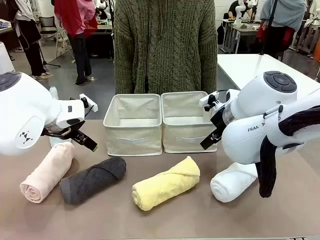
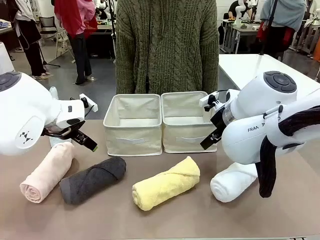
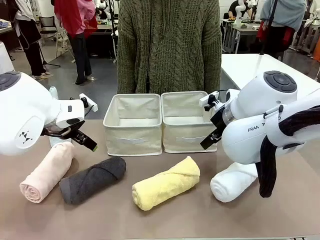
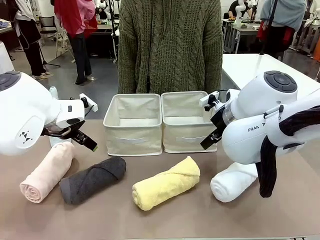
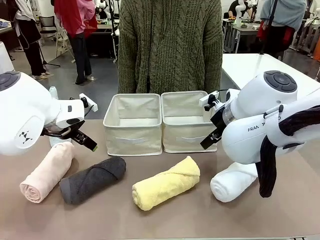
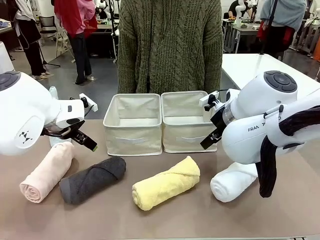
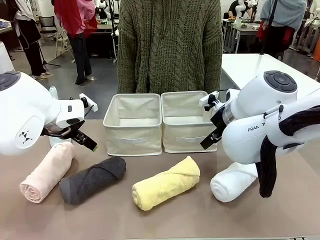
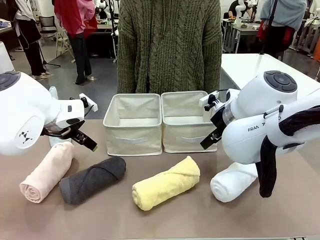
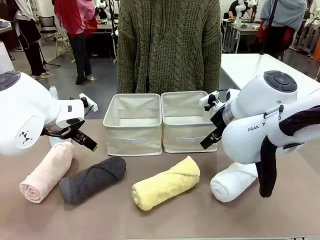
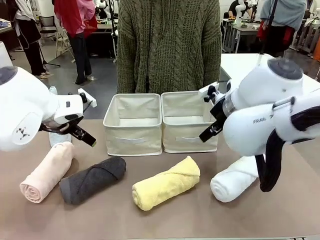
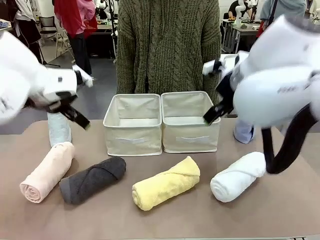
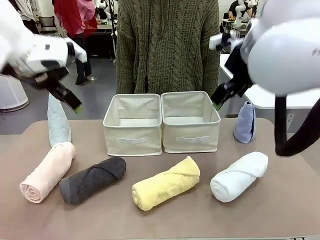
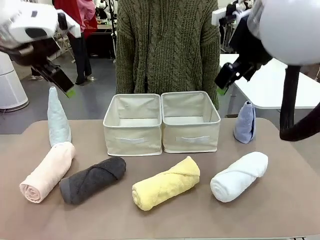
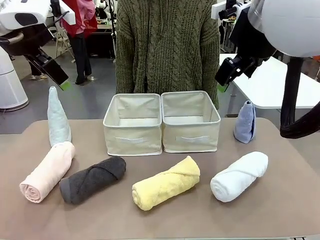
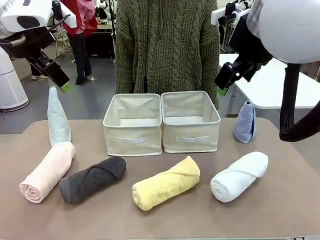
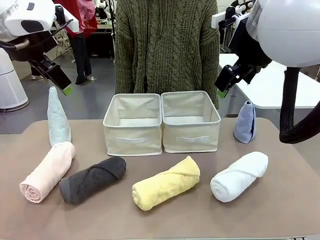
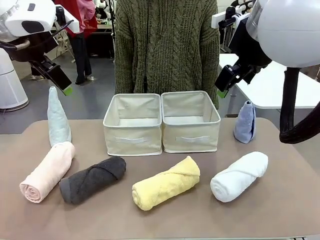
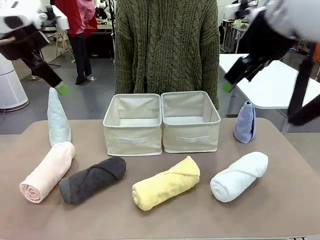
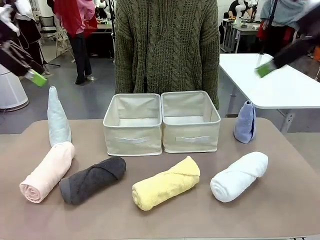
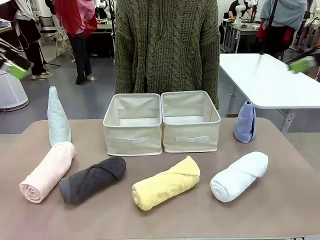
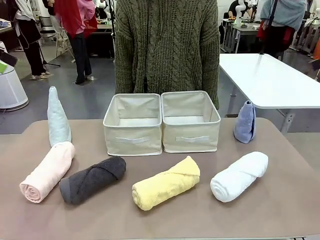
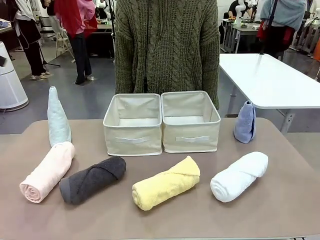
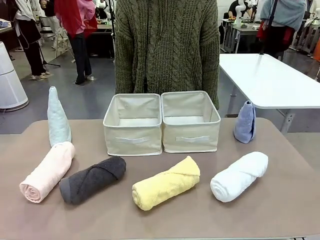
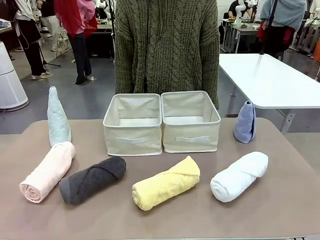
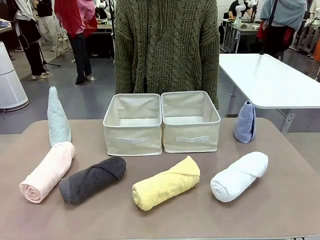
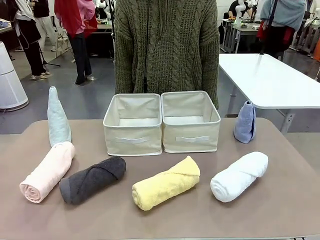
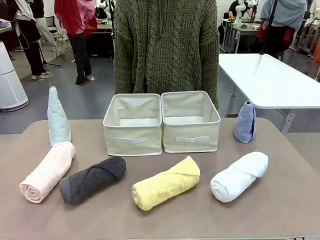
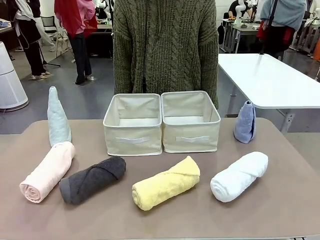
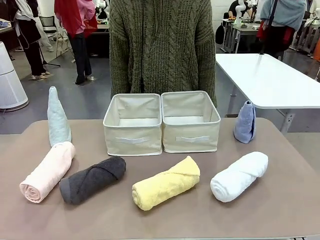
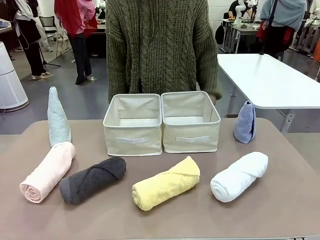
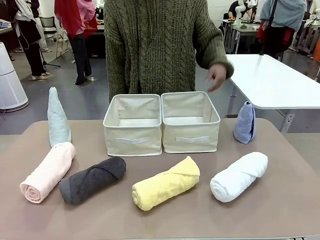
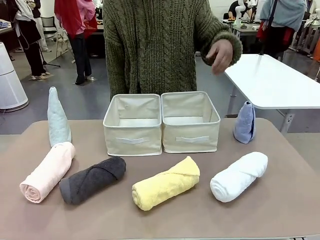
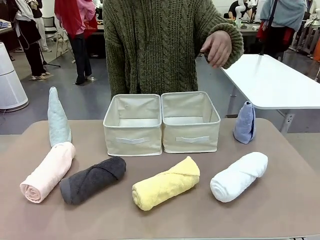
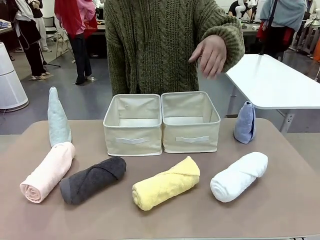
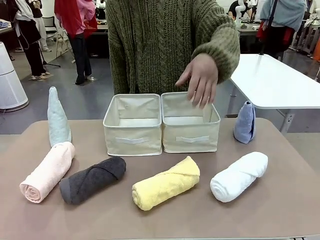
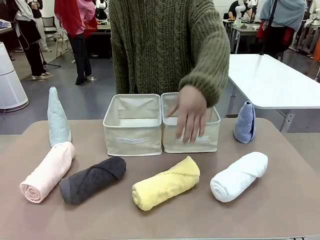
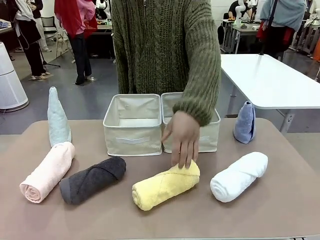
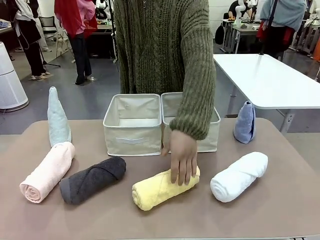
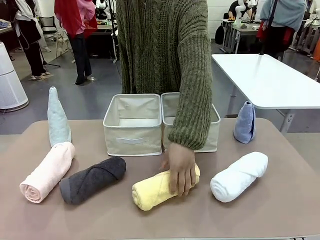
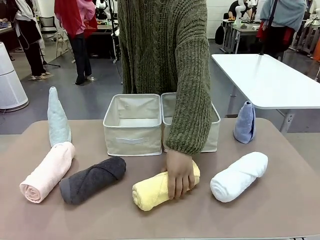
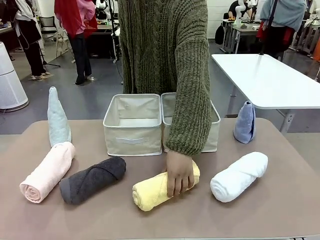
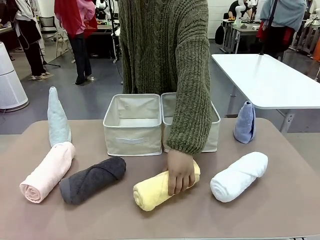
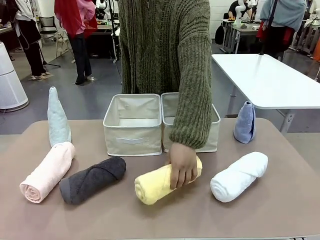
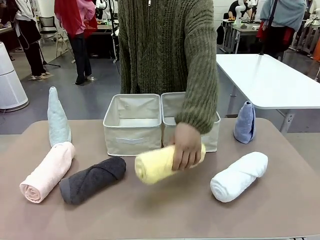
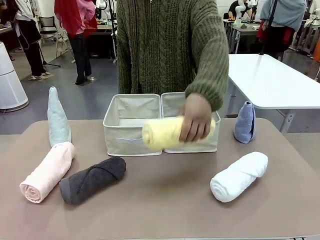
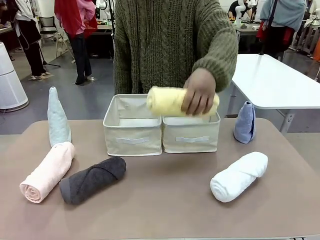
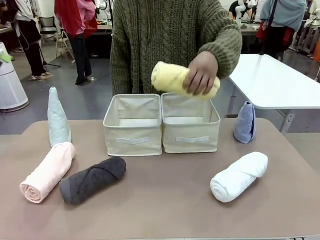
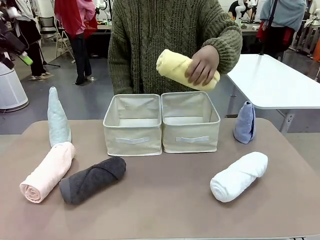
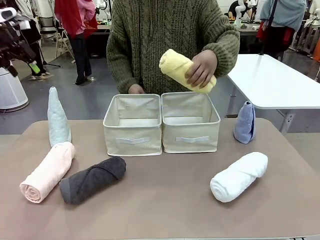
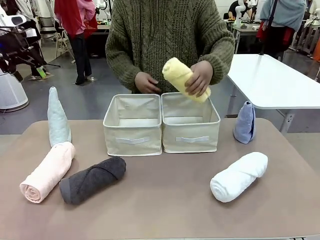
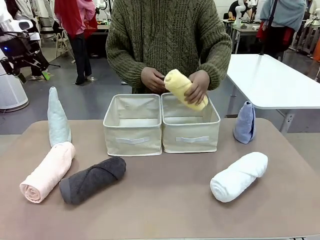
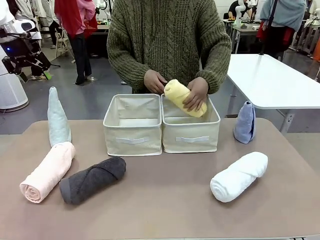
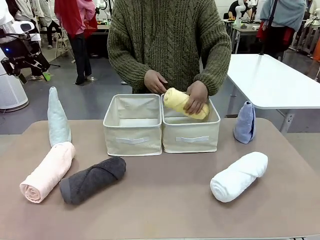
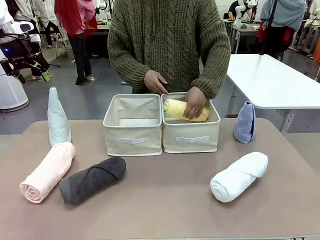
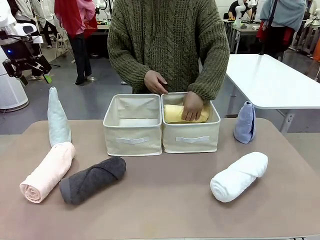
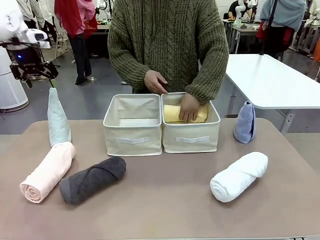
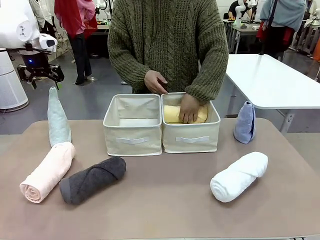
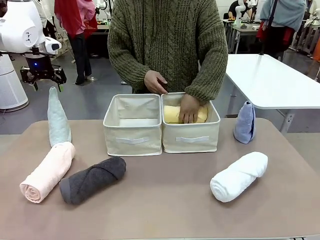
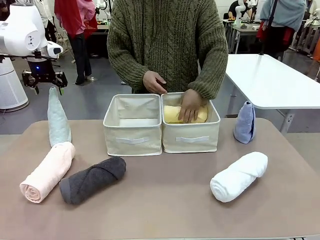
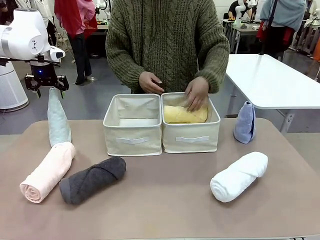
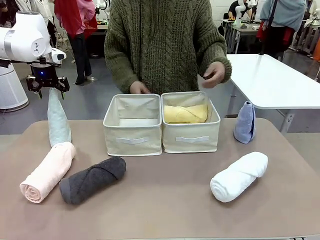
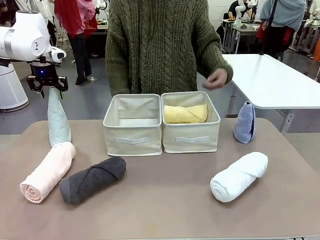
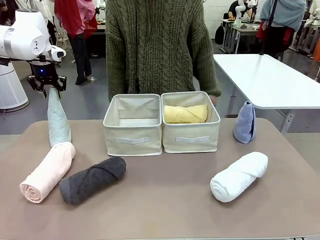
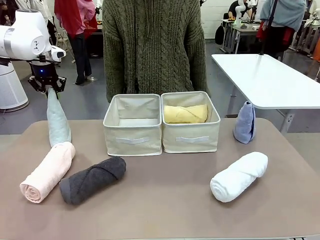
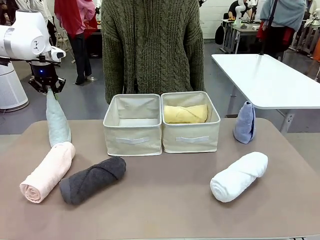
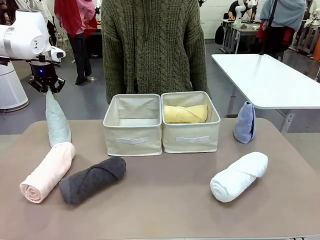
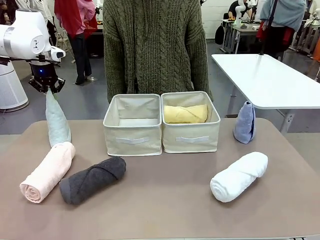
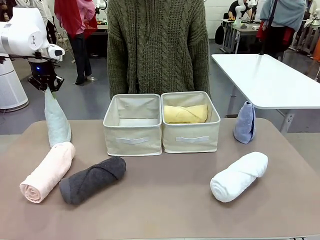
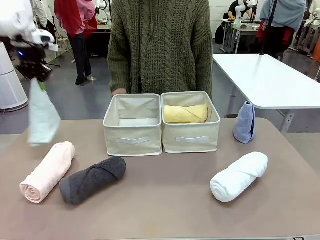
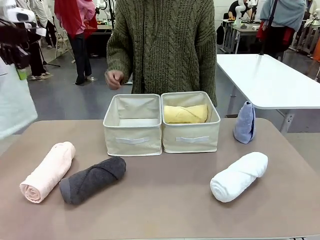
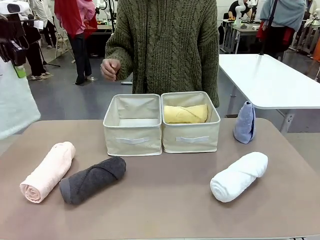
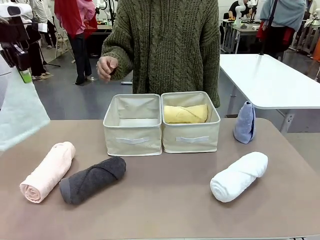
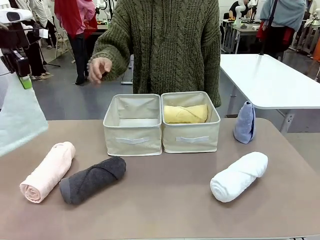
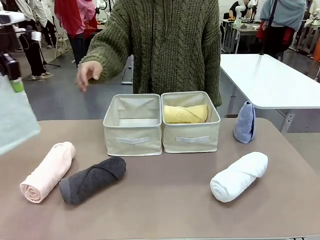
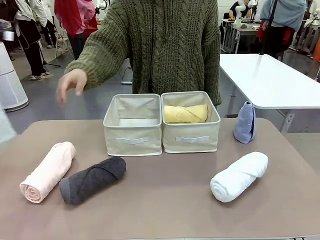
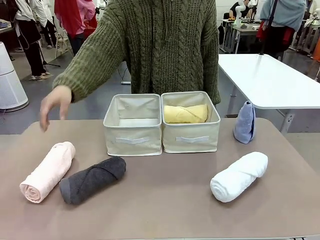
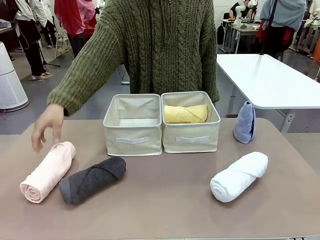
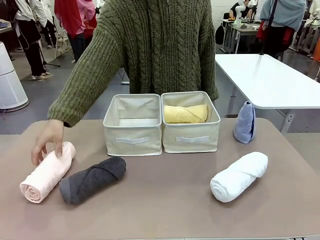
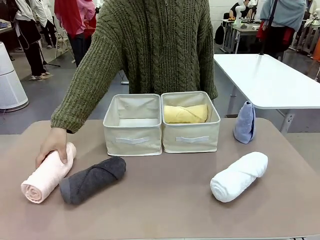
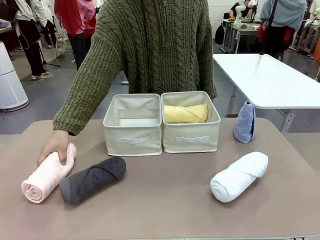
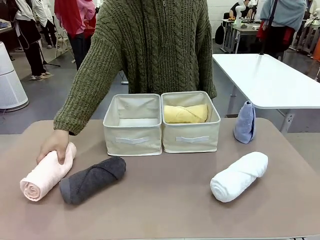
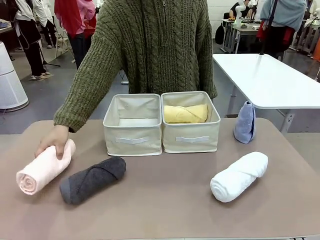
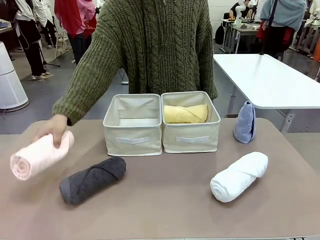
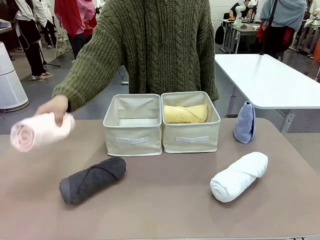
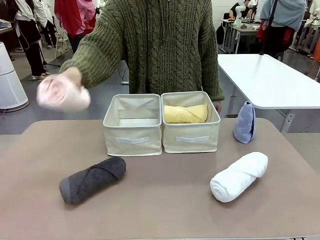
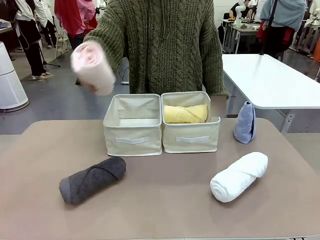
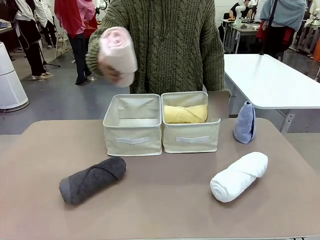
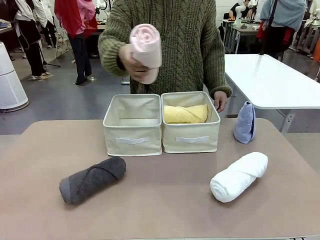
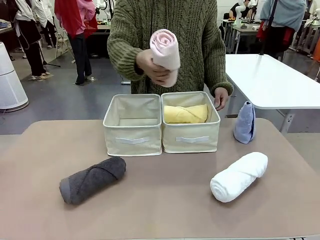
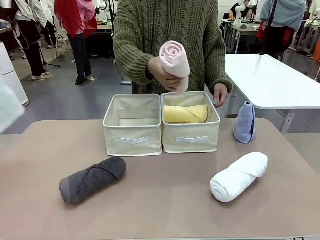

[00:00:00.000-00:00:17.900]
Task: Sort the towels based on their folding style.
Robot: Pick up one triangle-folded towel and place it in the left Fabric basket.
Person: Pick up one hotel-style rolled towel and place it in the left fabric basket.
